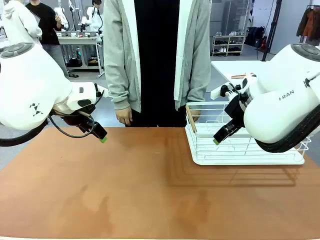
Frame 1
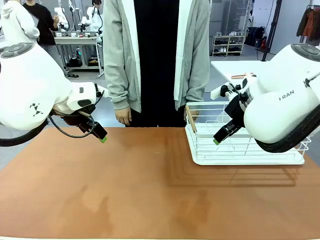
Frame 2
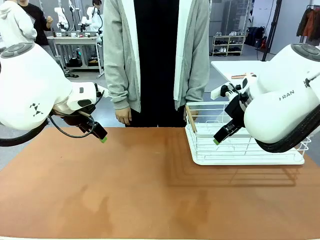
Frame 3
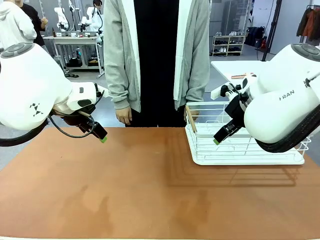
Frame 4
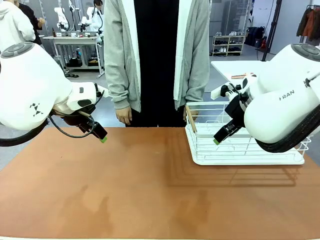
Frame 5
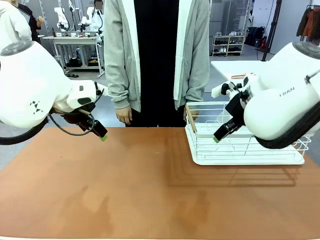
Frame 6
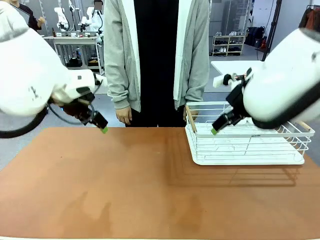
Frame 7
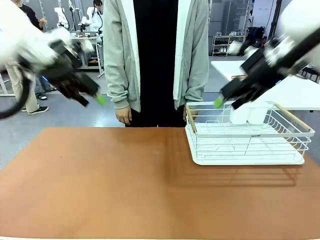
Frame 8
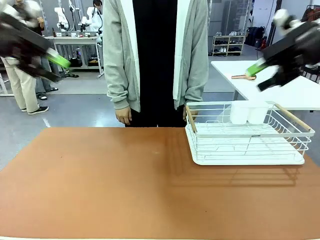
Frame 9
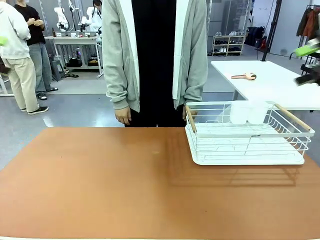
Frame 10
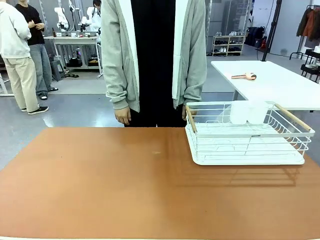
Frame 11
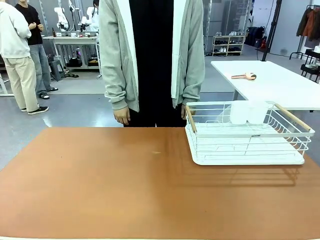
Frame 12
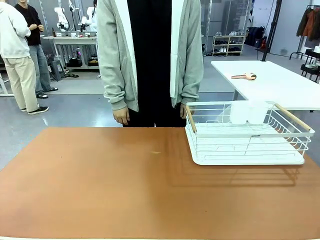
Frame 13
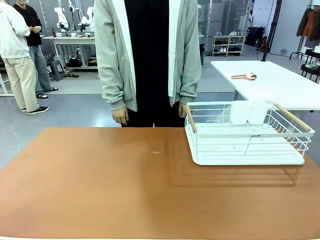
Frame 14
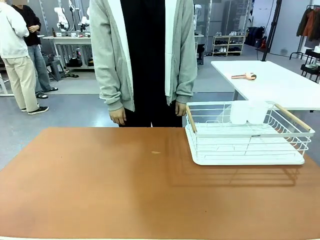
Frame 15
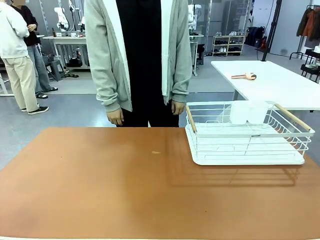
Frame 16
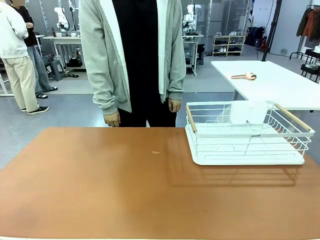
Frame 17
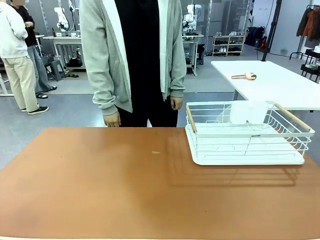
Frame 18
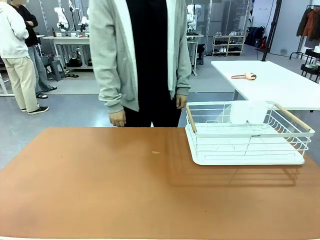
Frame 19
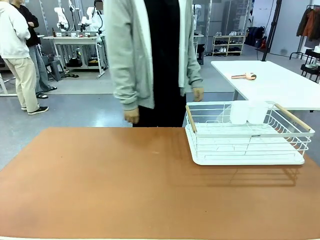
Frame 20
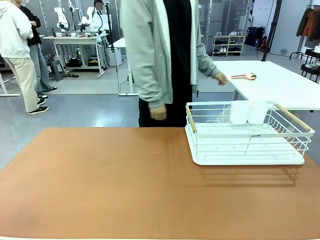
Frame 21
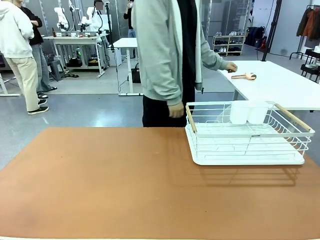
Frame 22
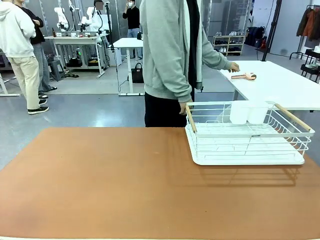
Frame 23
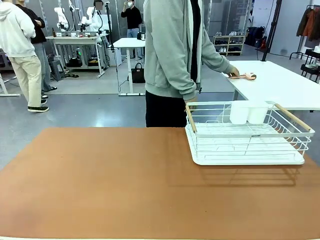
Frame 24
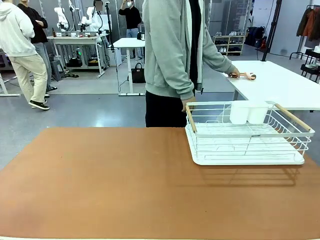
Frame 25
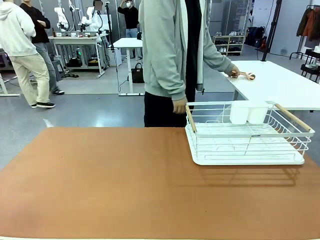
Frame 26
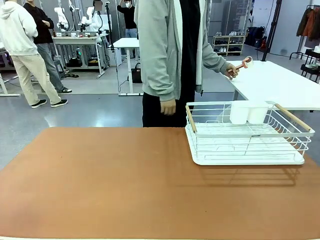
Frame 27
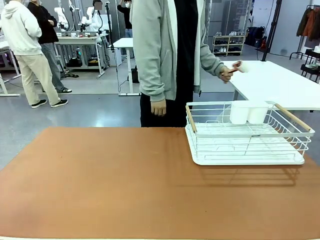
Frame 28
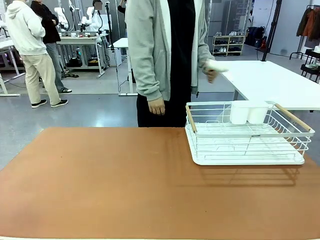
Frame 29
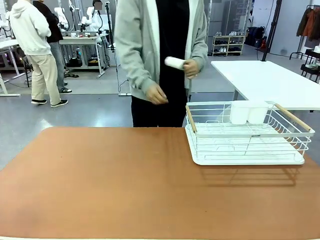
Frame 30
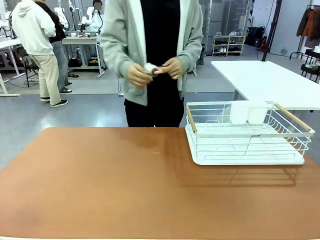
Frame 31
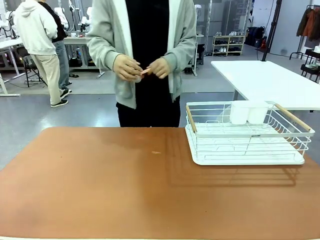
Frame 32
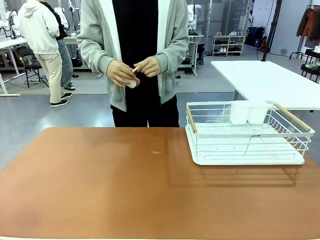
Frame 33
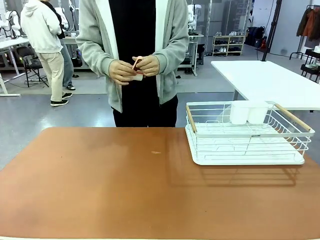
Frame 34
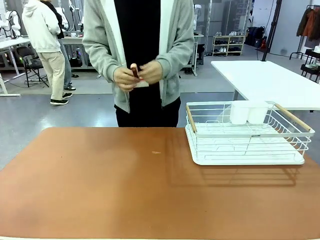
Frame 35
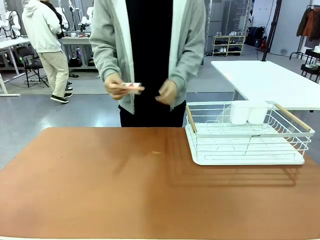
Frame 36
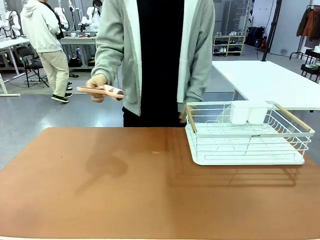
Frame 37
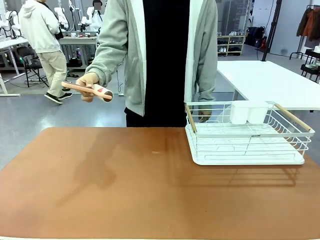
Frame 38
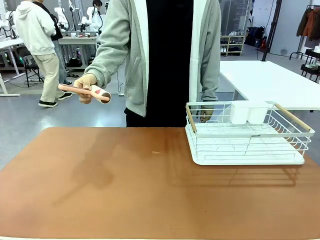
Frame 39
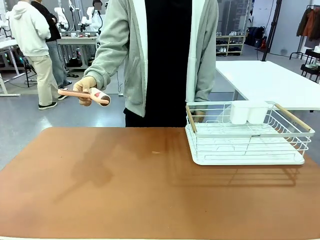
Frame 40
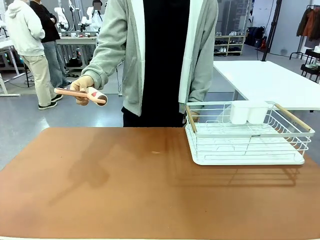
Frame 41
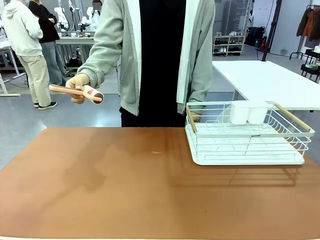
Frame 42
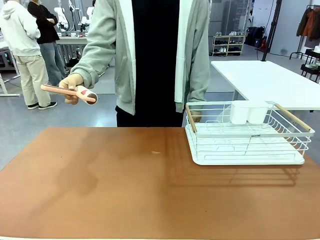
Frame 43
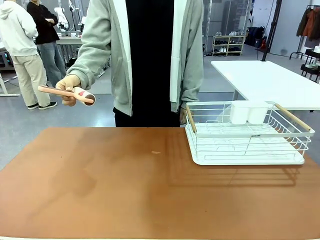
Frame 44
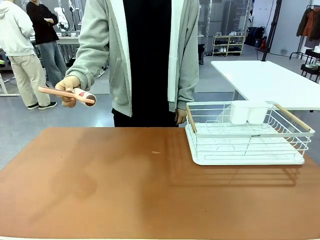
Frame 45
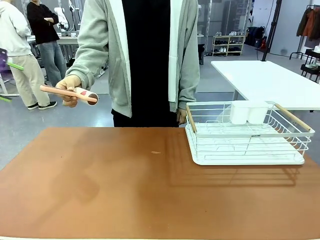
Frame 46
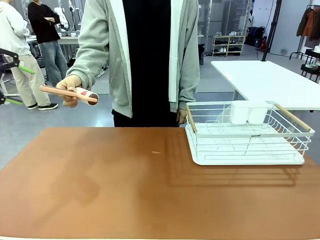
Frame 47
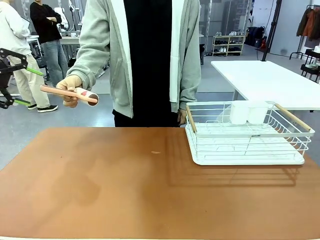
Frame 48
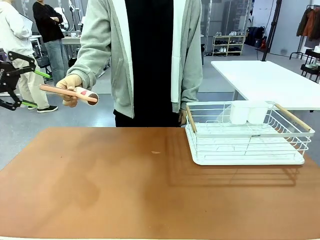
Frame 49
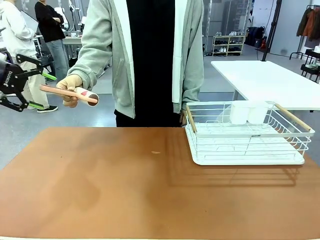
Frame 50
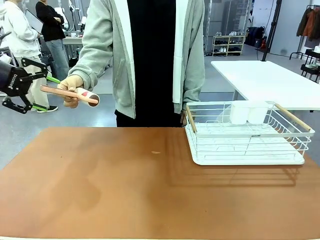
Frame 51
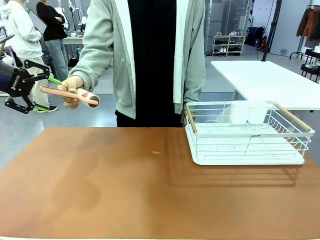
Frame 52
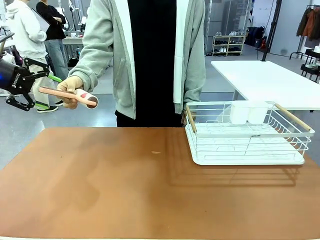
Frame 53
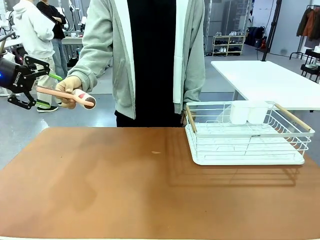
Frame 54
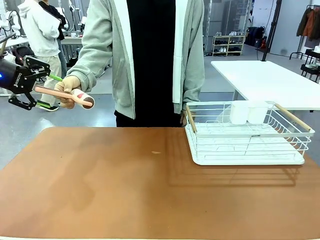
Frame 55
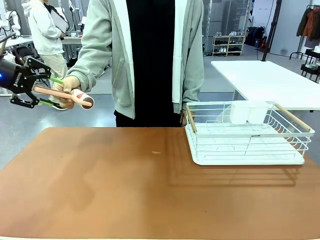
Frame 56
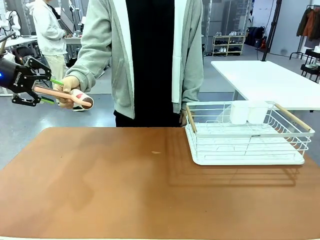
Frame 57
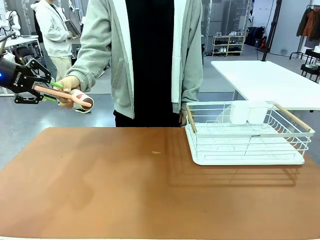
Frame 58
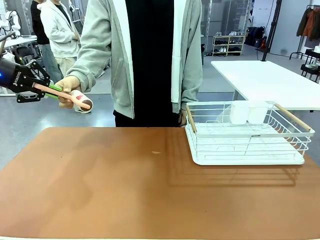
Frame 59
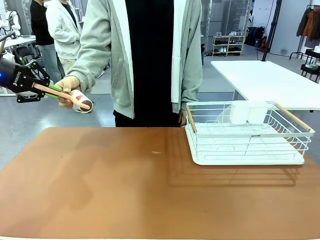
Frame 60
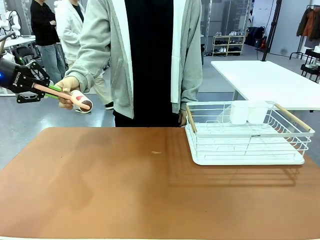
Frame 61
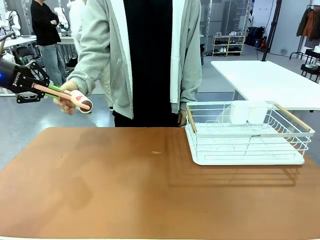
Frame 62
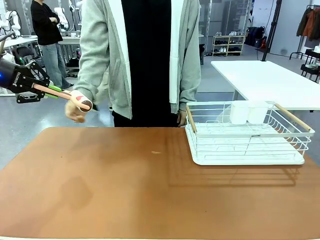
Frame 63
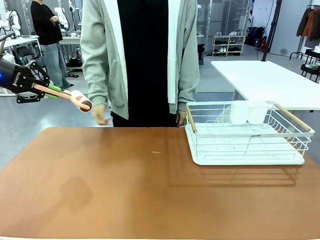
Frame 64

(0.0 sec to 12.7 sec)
Task: Clean the table.
Robot: Pick up the Lint Roller when the human hands it over.
Person: Hand the Lint Roller to the robot so it can easily pick it up. Lift the Dish drying rack.

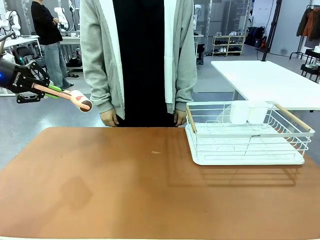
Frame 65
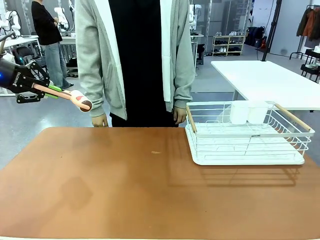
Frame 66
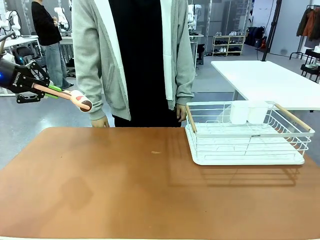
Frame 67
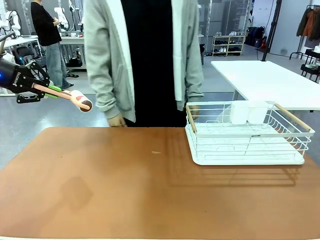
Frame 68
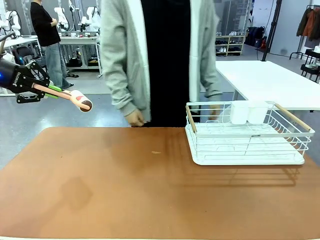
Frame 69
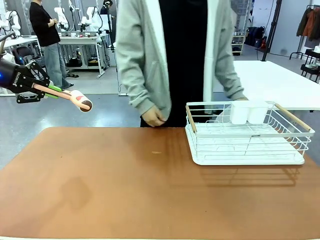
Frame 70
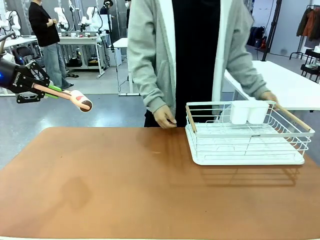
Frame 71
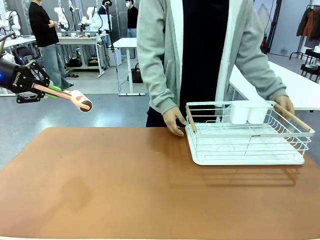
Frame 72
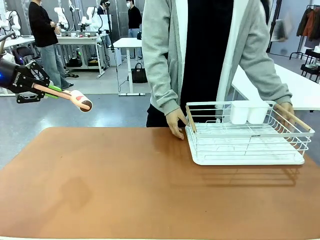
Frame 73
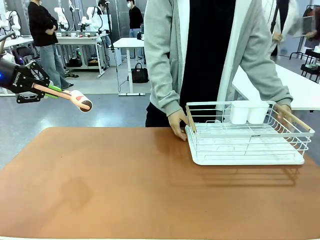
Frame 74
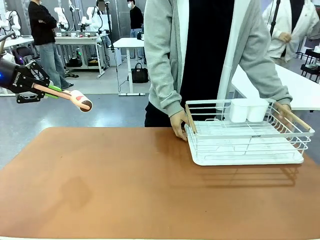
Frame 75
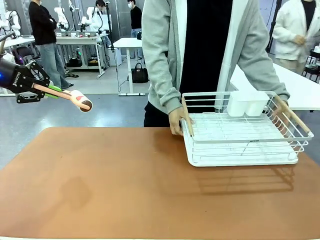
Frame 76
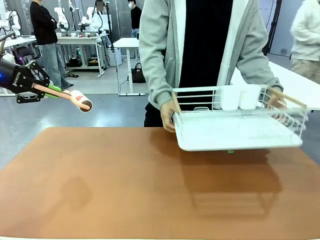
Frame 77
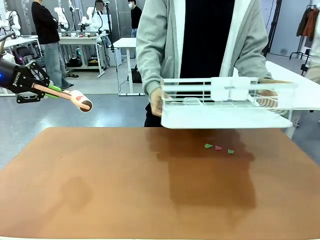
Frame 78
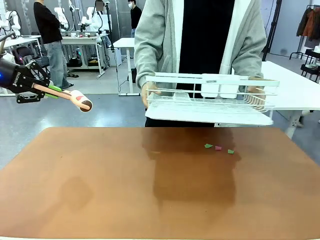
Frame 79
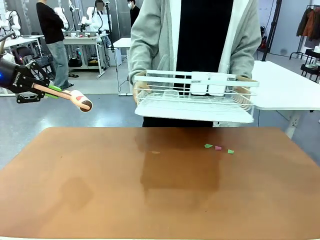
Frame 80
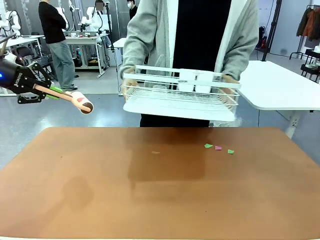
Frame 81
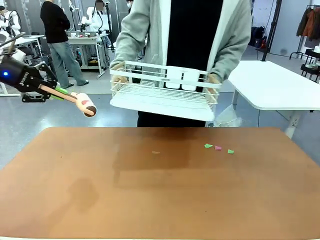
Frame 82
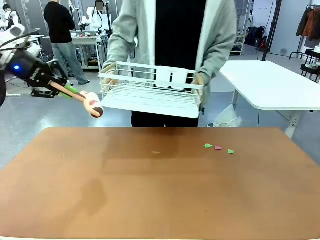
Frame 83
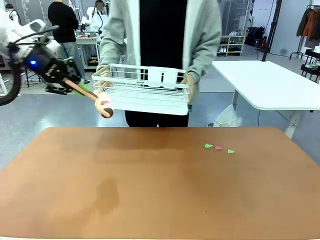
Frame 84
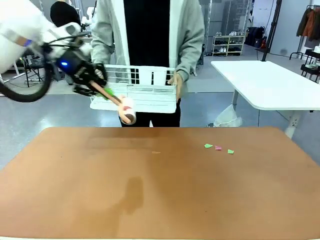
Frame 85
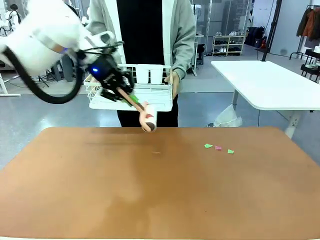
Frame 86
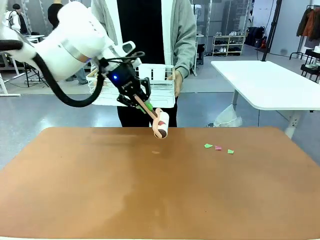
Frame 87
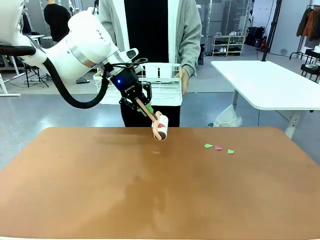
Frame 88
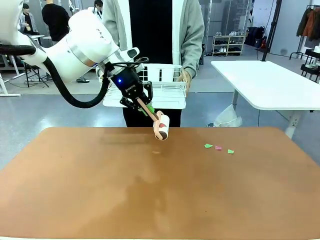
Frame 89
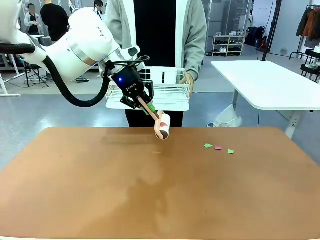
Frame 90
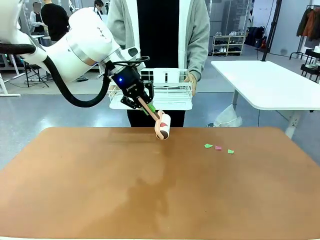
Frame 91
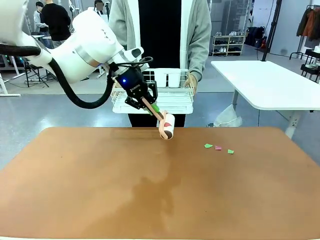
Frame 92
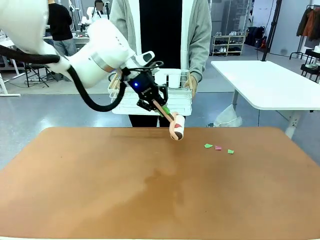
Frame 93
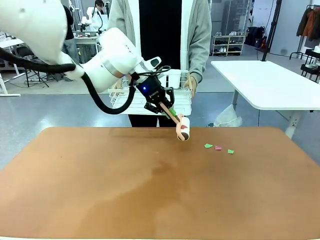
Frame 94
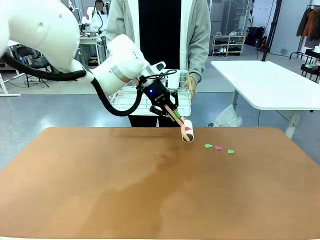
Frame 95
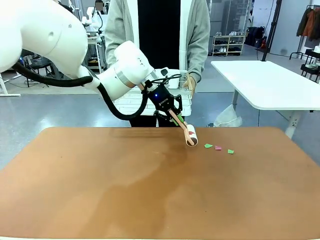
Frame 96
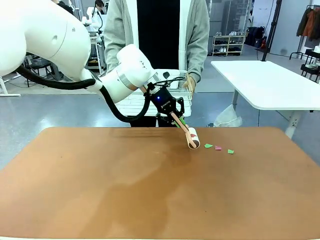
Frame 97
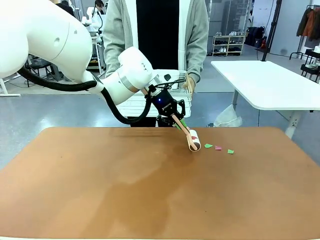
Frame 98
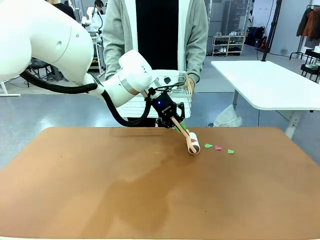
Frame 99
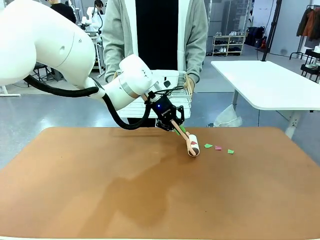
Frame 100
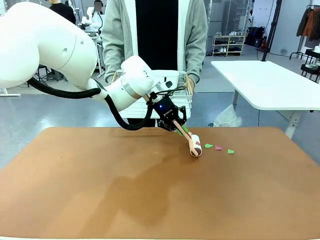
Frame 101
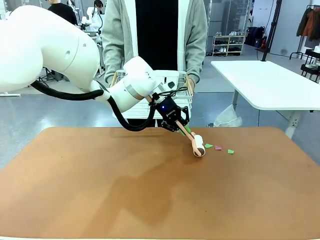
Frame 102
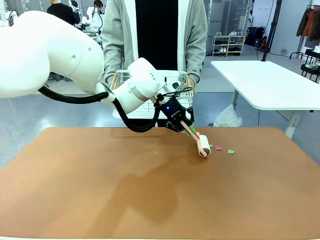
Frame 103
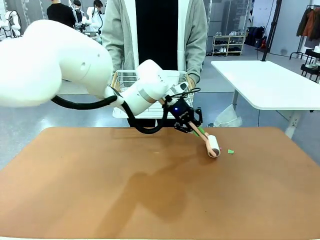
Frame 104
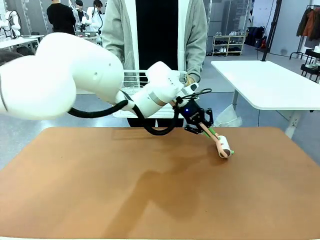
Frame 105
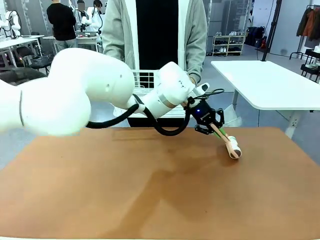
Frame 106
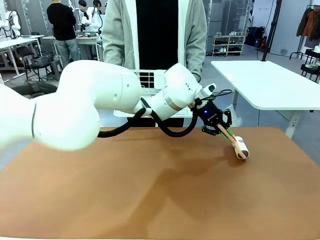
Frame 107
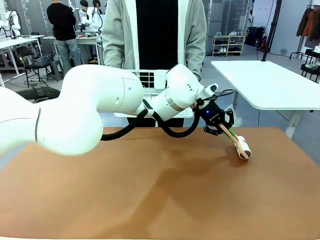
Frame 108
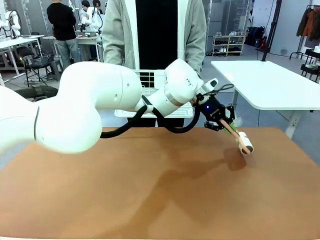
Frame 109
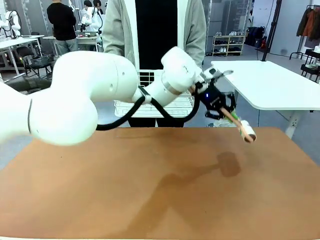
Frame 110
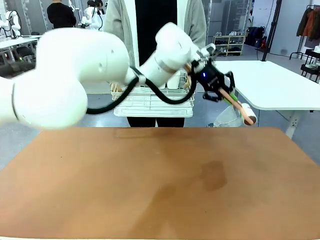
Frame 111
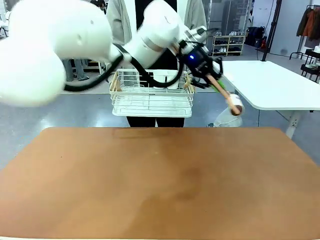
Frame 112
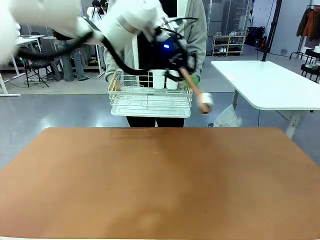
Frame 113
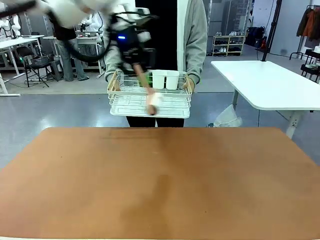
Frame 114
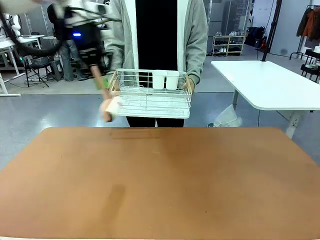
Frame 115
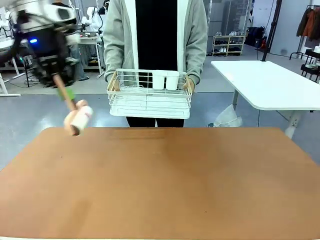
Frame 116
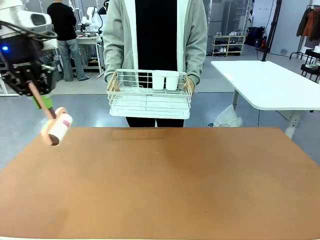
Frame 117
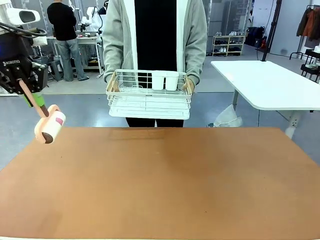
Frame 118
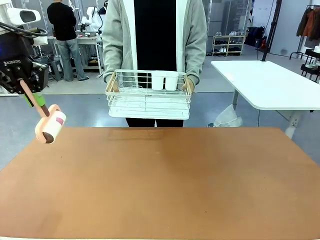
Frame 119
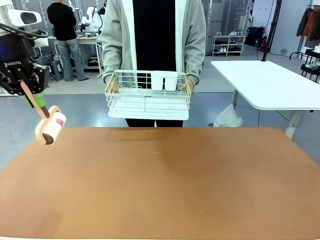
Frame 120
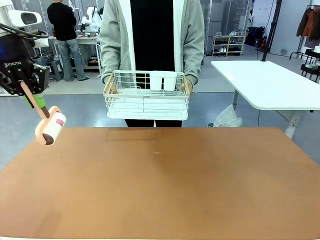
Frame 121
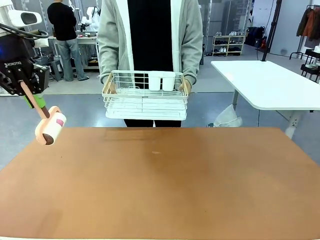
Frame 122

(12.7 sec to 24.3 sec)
Robot: Clean the table with the Lint Roller when the human lifts the Dish drying rack.
